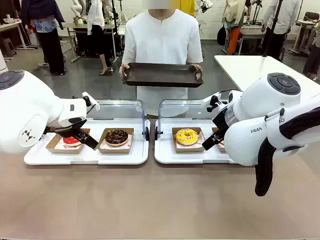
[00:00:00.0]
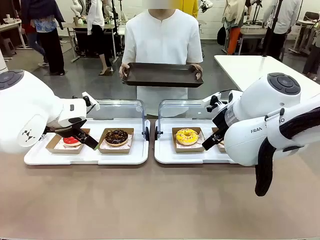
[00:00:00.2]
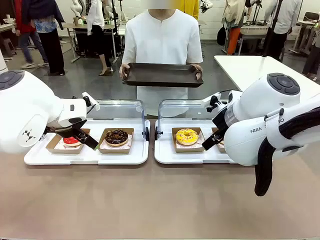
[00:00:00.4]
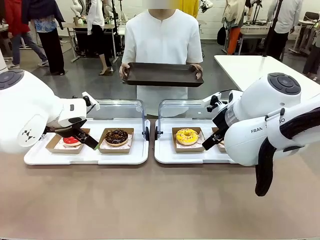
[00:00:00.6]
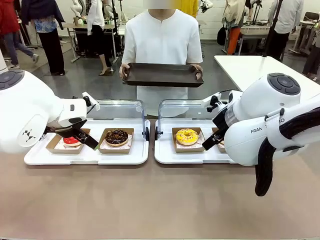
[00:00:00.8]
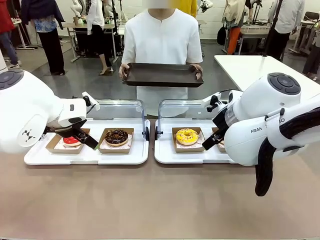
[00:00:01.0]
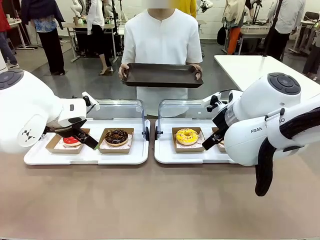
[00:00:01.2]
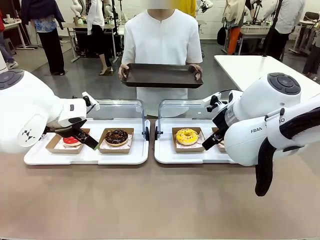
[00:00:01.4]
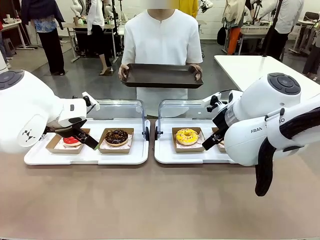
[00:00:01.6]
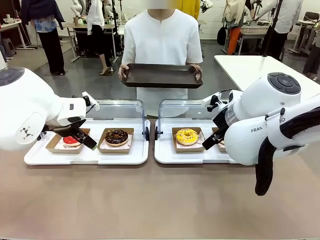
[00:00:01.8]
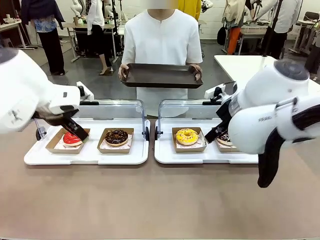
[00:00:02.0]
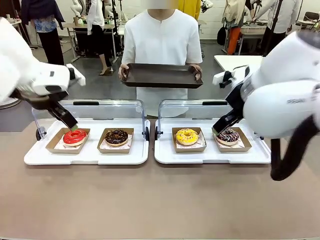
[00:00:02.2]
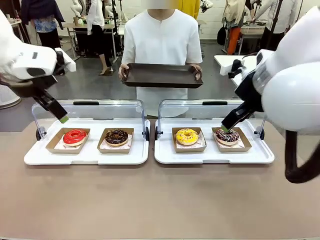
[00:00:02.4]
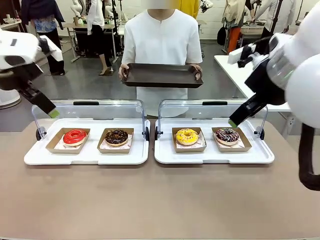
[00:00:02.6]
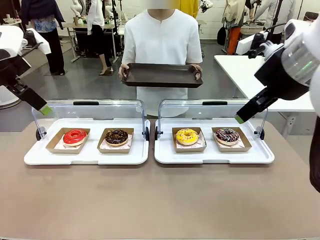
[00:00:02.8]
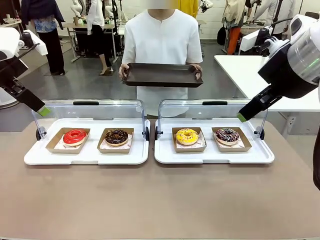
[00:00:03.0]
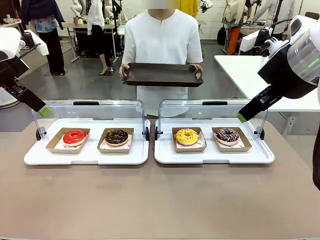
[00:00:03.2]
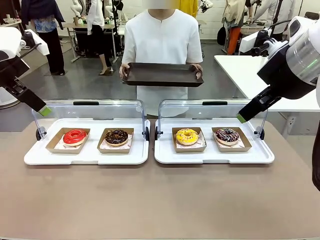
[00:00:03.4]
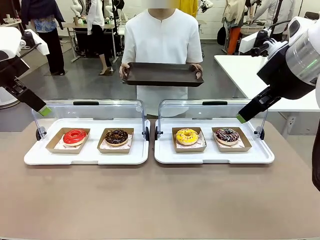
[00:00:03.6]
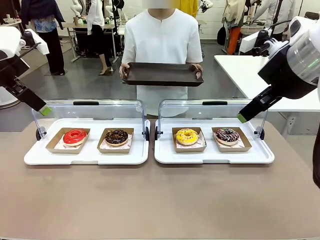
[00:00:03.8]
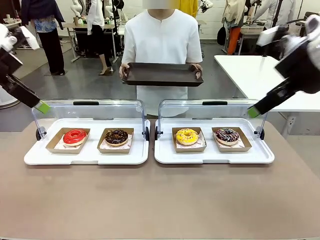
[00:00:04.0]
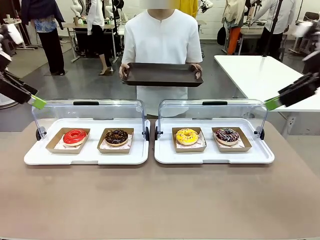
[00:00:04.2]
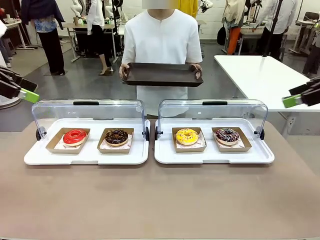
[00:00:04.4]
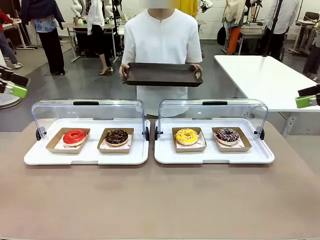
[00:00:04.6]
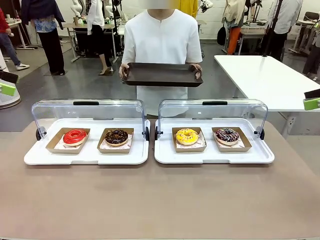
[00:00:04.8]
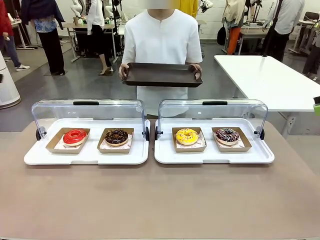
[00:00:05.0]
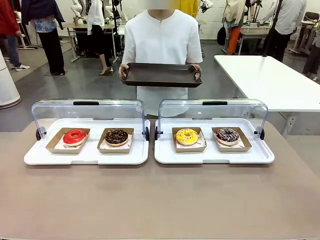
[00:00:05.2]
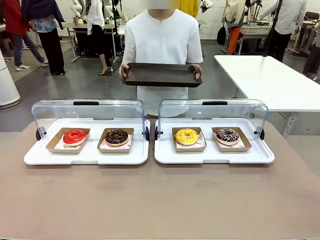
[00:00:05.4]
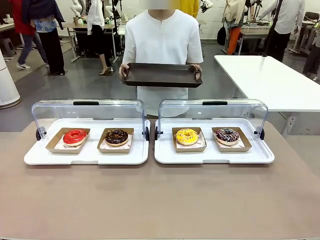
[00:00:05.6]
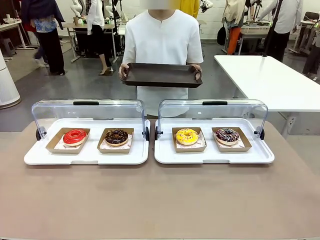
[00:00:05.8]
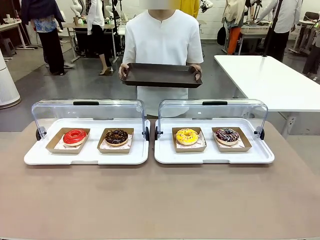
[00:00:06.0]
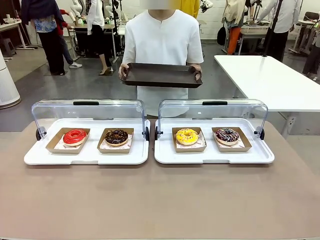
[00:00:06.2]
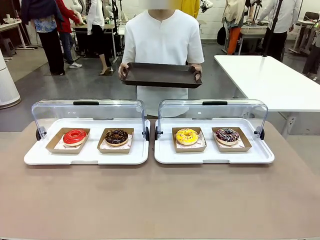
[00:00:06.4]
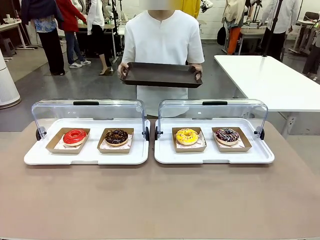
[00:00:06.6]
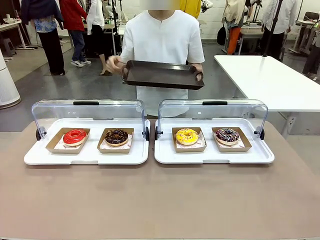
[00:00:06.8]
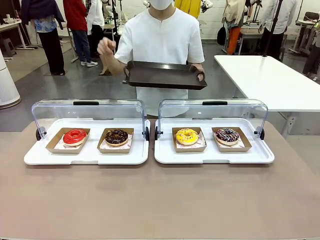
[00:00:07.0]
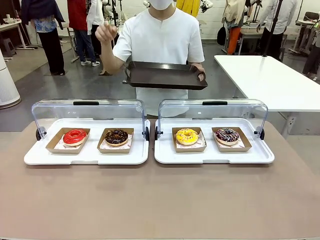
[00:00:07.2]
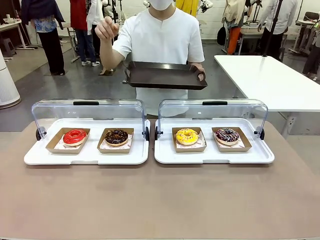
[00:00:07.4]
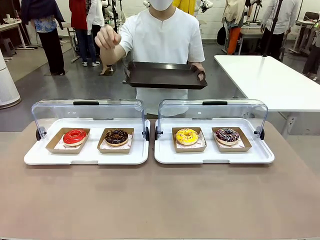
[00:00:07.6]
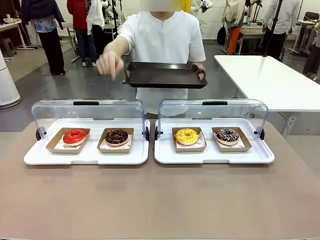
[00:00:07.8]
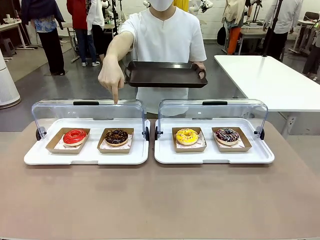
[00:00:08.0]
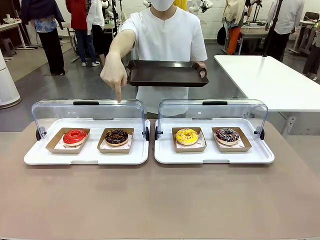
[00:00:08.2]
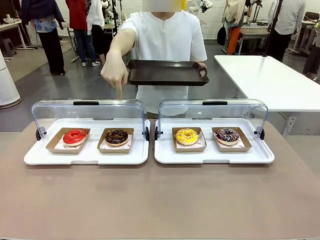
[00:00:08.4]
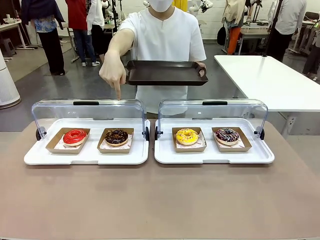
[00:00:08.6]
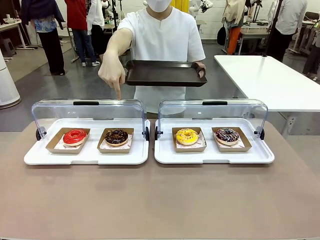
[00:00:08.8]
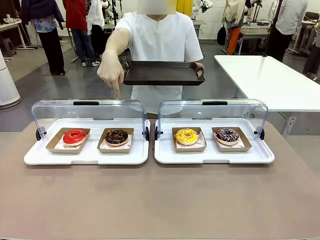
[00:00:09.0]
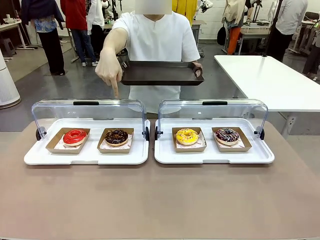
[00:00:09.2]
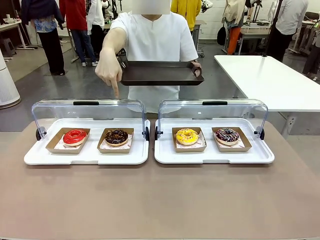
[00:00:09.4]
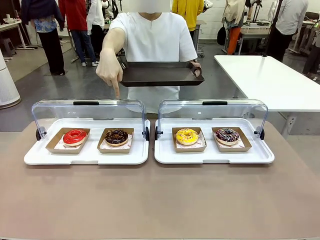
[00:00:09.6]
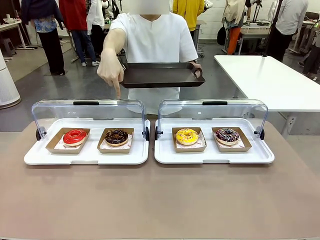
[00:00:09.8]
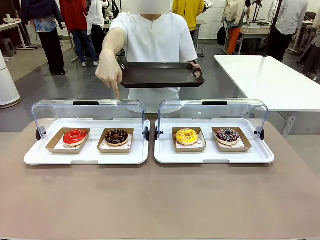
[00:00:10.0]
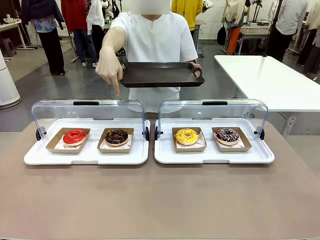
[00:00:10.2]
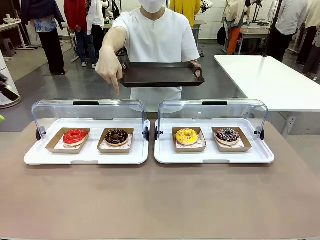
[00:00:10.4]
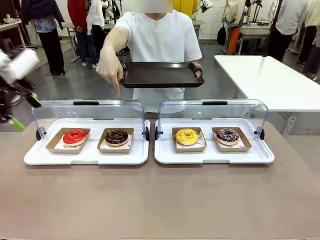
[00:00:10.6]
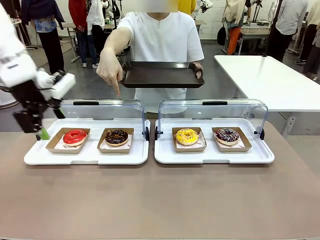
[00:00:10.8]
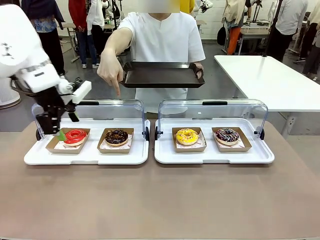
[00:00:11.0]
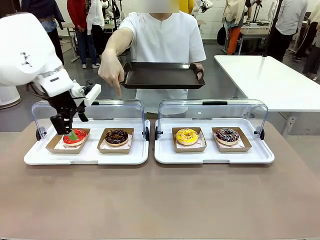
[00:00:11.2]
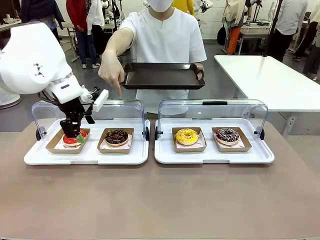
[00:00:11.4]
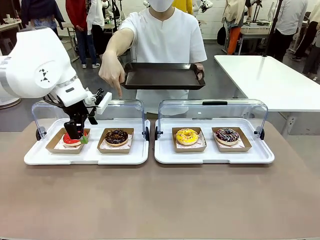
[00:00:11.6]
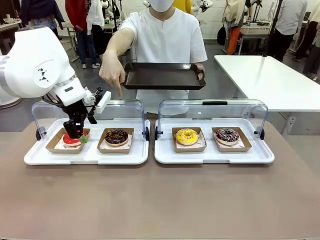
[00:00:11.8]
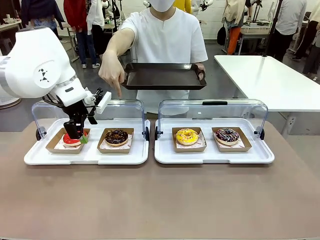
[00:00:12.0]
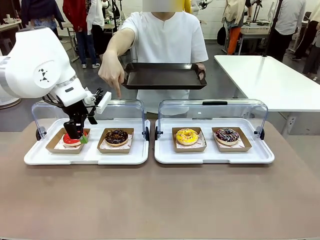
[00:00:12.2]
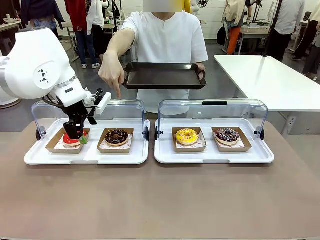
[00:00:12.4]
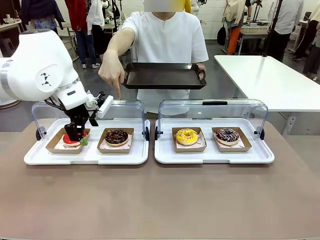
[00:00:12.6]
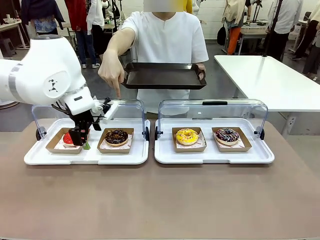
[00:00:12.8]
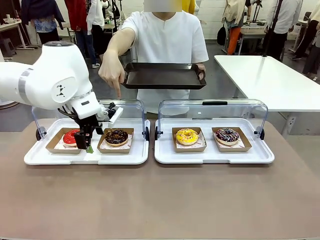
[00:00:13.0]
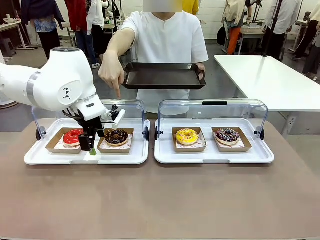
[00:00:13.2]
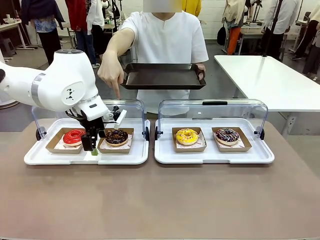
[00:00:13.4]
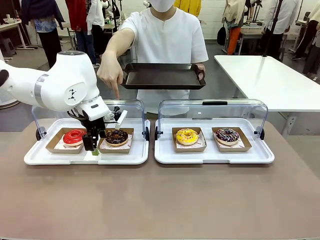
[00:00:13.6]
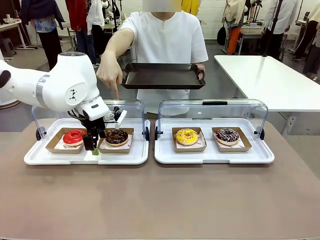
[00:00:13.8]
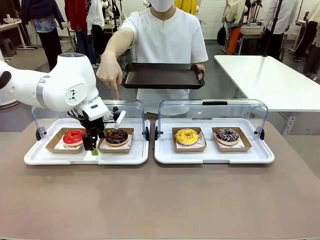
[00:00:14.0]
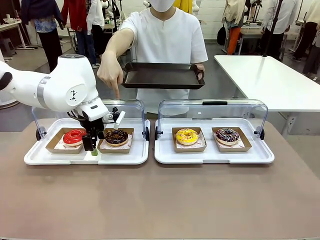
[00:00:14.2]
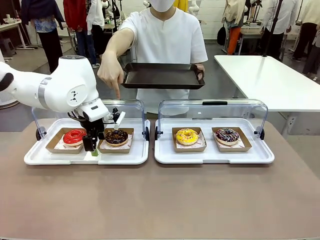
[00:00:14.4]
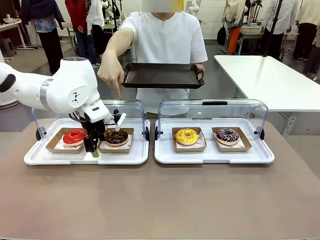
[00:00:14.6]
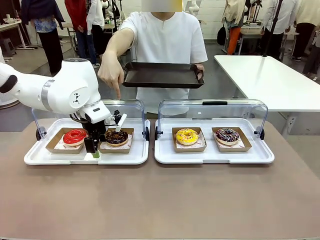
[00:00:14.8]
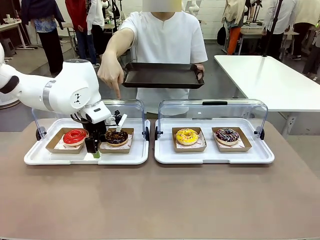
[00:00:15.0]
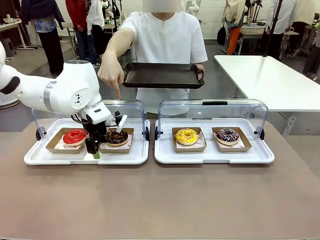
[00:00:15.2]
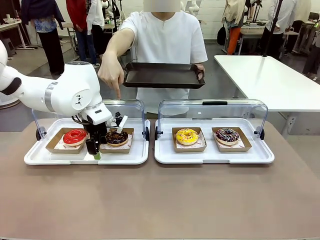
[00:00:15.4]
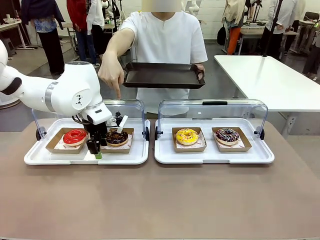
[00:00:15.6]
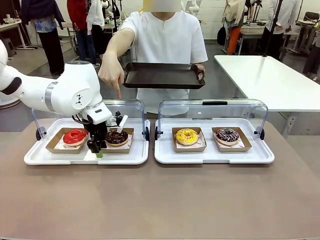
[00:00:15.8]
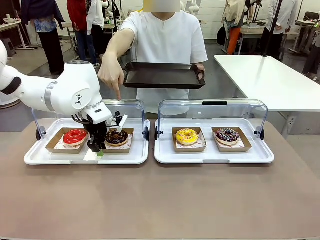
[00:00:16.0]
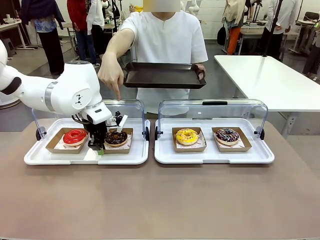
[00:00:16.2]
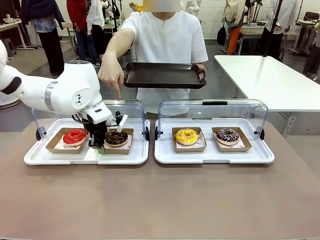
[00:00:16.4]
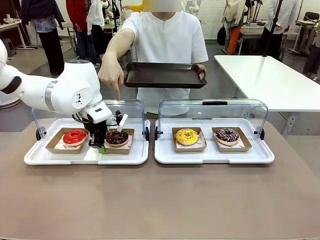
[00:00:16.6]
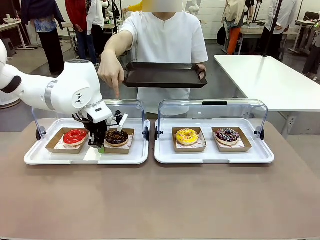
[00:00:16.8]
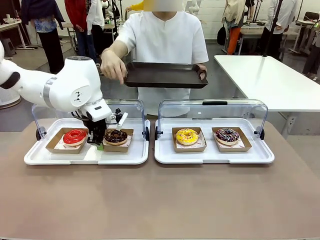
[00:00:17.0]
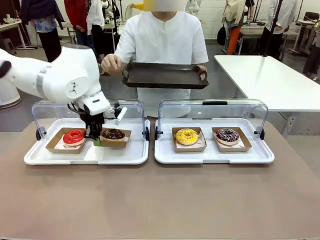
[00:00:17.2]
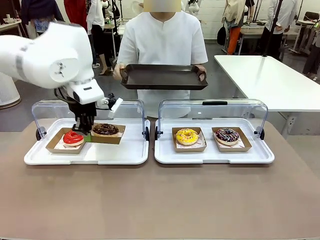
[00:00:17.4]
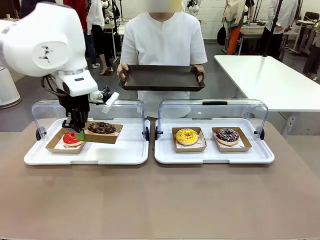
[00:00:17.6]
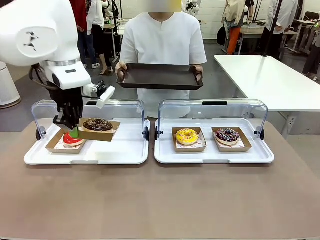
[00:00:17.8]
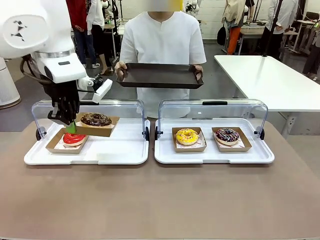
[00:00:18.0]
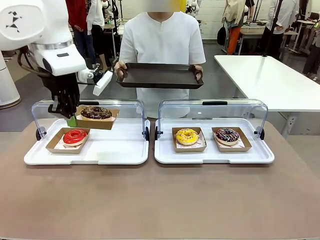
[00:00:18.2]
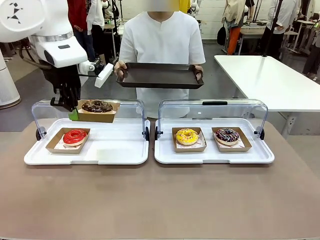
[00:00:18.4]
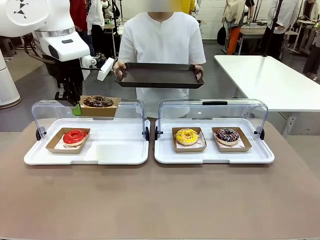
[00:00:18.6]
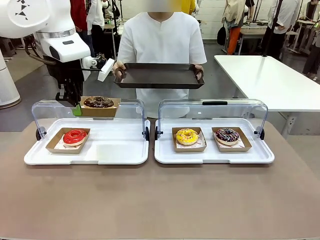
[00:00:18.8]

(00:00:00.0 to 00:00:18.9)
Task: Provide the desired donut to the person.
Robot: Pick up and lift the Paper togo box containing the Donut pointed at by the person.
Person: Point to one donut. Lift the tray onto the Roll-Top Bakery Case.

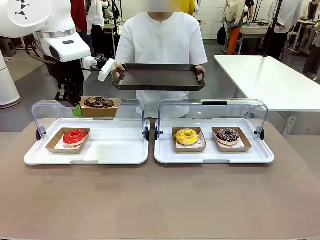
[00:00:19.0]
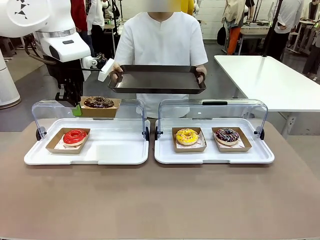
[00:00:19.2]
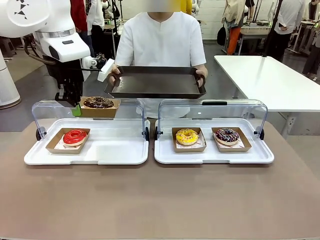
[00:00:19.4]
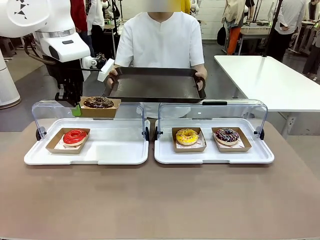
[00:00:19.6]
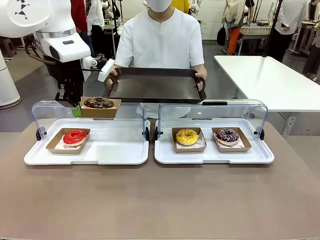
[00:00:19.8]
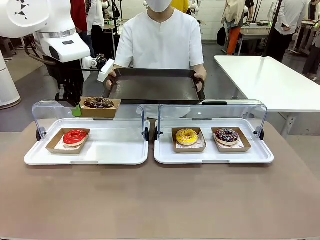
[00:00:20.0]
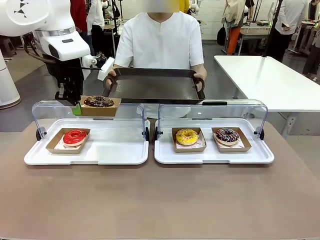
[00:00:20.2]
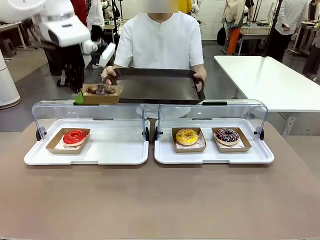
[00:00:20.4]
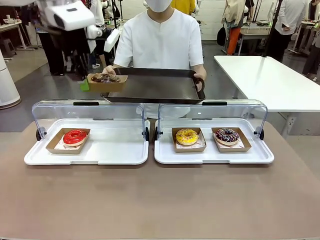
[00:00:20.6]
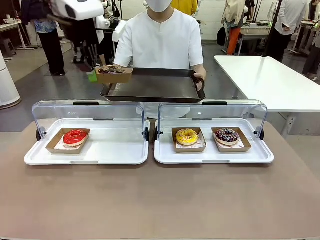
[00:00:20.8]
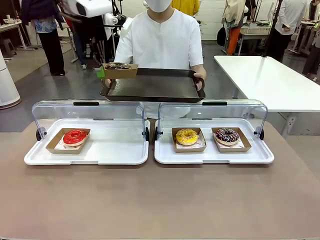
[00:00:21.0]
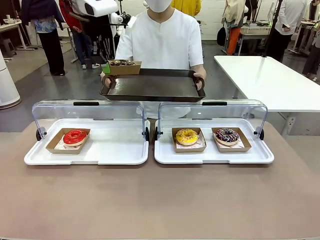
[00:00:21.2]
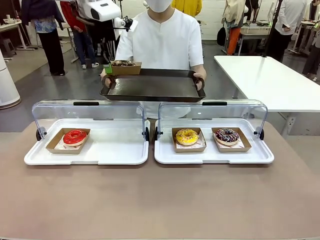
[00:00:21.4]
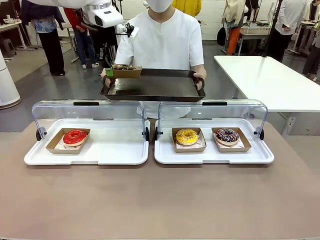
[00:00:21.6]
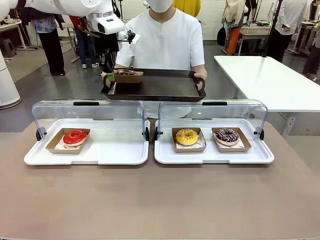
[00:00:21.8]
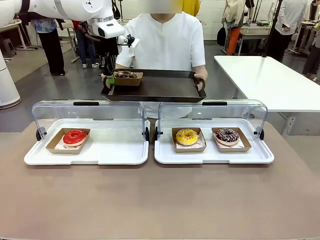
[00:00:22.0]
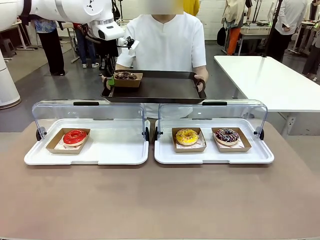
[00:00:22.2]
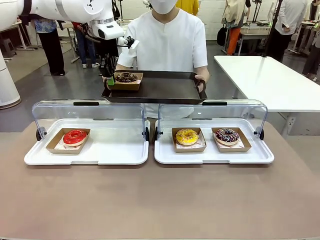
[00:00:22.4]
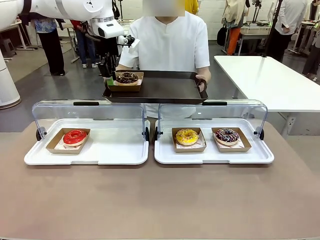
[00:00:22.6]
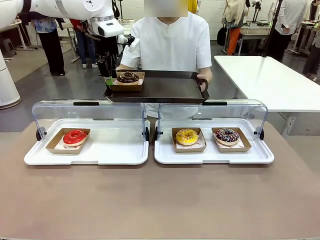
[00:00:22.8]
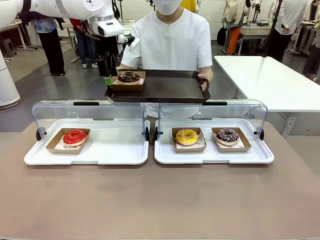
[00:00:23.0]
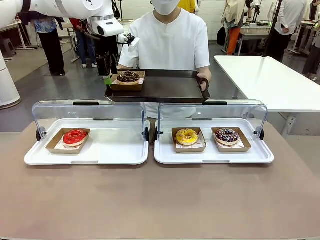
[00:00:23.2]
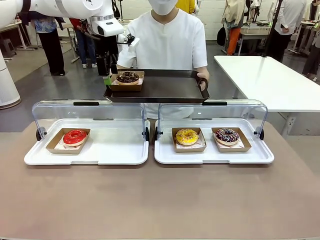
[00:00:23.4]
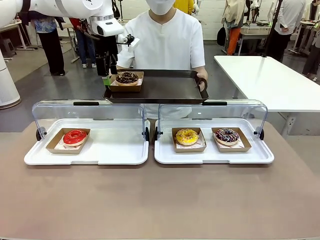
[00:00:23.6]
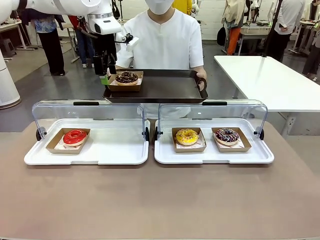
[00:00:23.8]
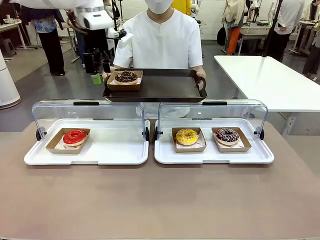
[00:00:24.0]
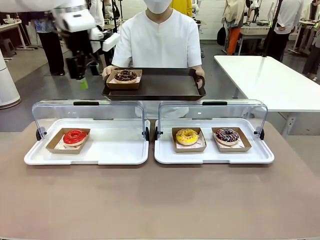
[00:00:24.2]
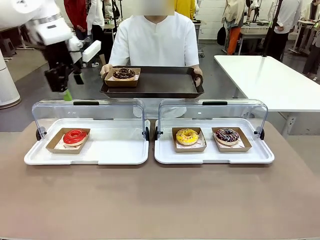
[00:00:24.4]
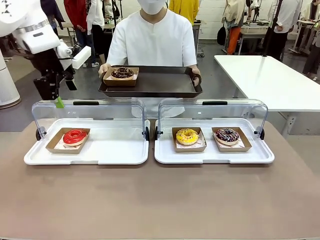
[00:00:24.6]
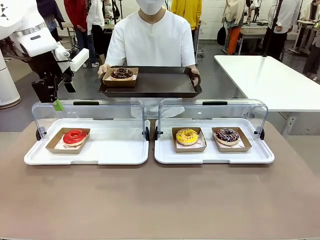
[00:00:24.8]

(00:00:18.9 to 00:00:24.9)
Robot: Place the picked Paper togo box onto the Handle tray extended by the person.
